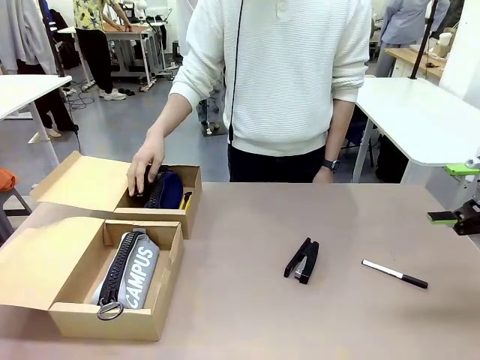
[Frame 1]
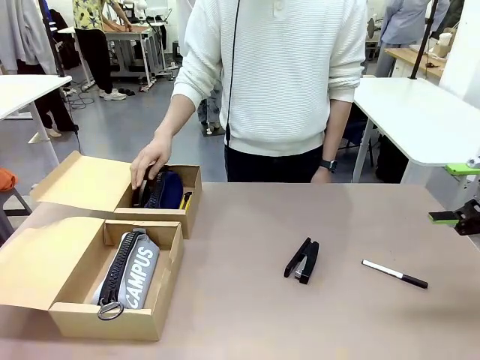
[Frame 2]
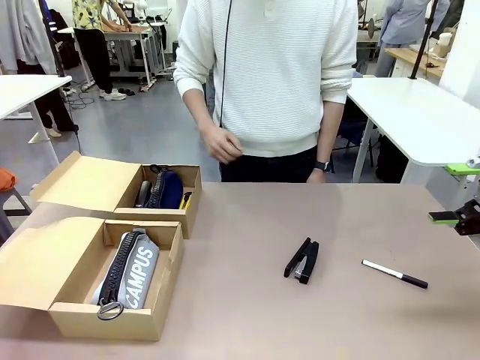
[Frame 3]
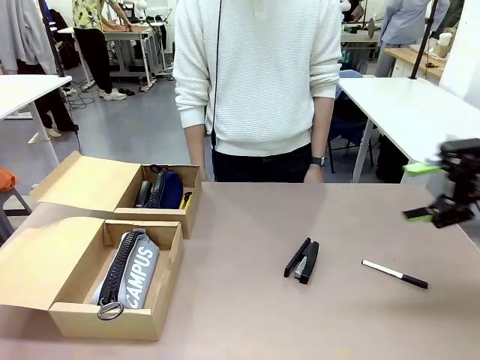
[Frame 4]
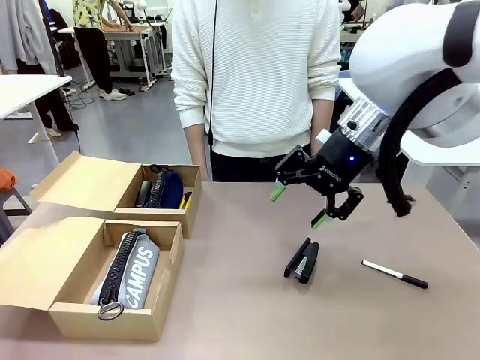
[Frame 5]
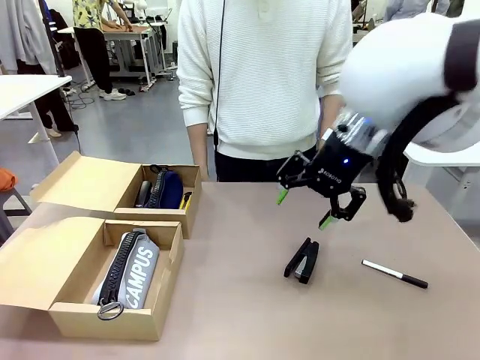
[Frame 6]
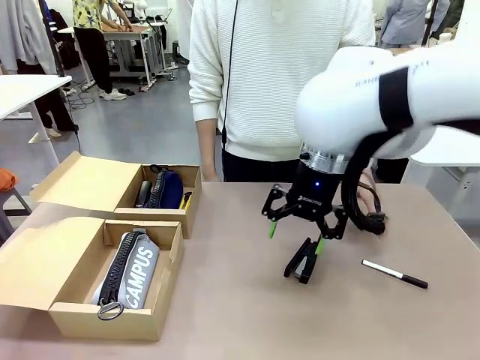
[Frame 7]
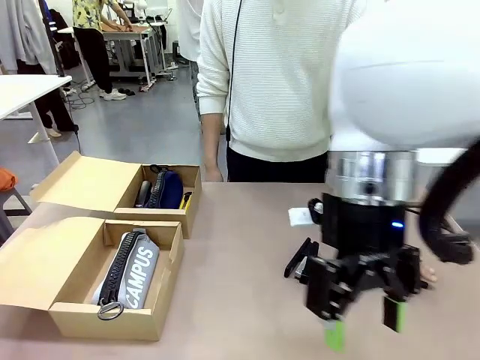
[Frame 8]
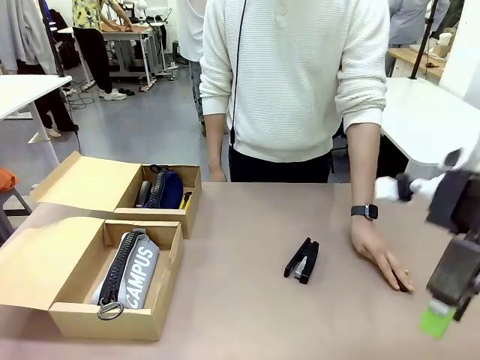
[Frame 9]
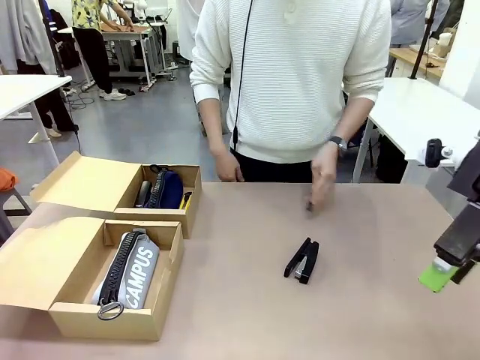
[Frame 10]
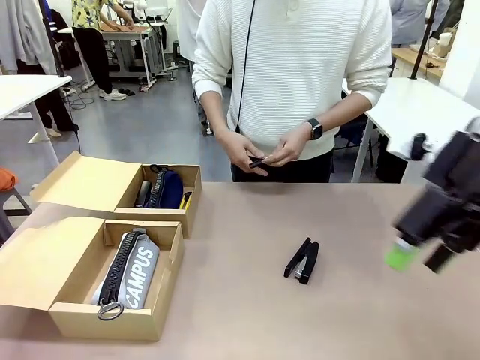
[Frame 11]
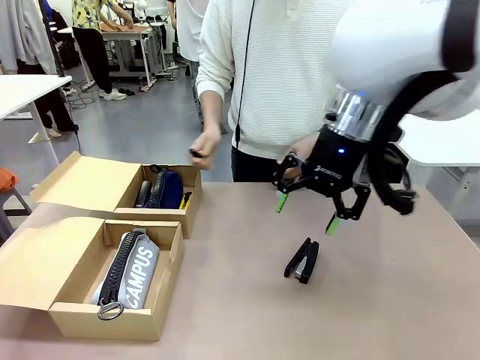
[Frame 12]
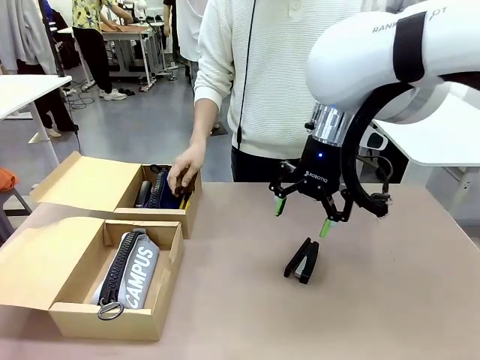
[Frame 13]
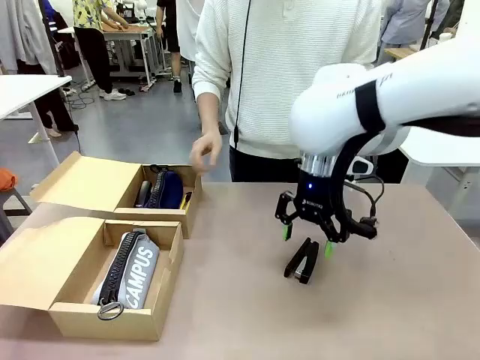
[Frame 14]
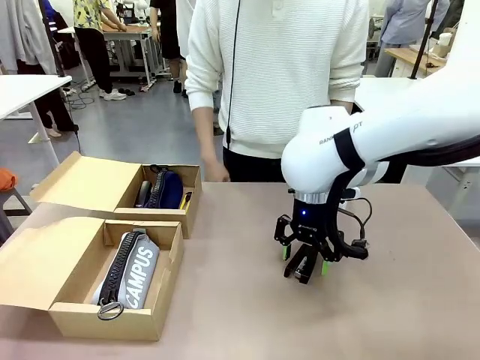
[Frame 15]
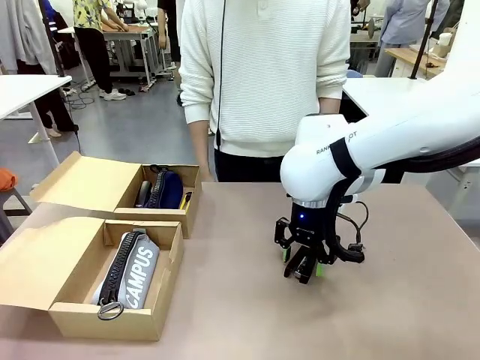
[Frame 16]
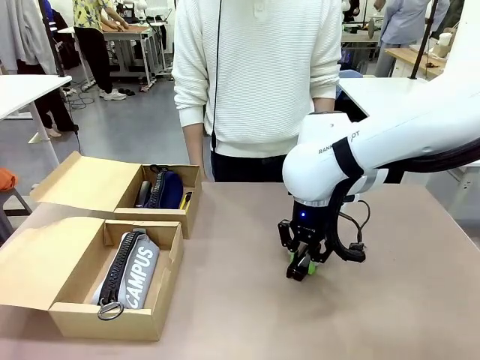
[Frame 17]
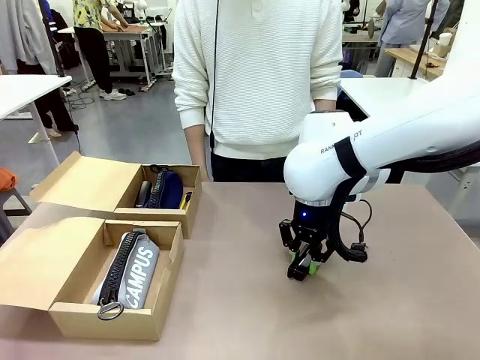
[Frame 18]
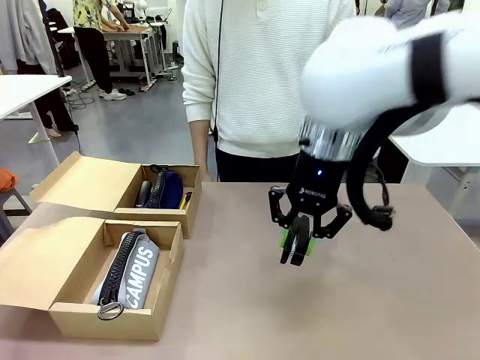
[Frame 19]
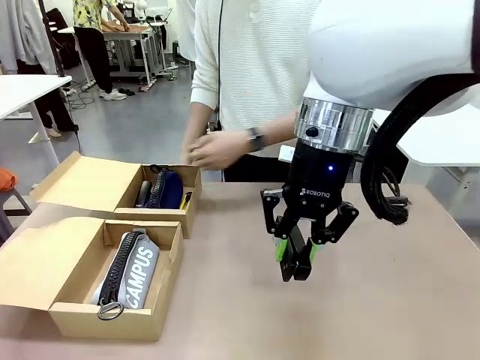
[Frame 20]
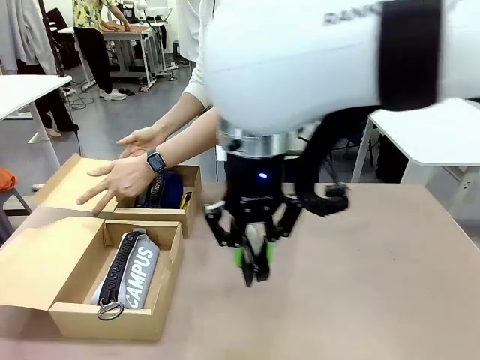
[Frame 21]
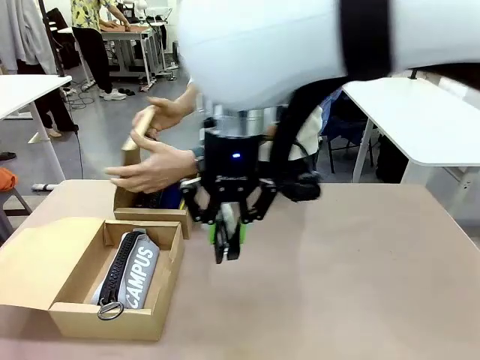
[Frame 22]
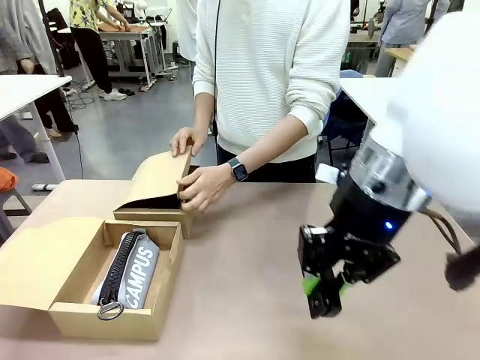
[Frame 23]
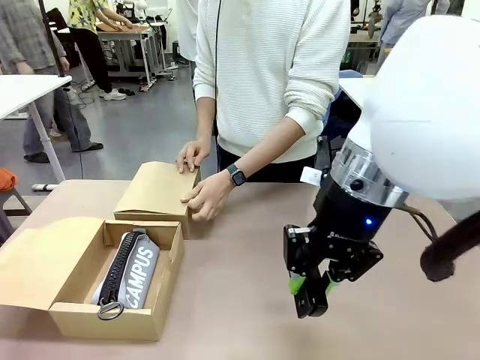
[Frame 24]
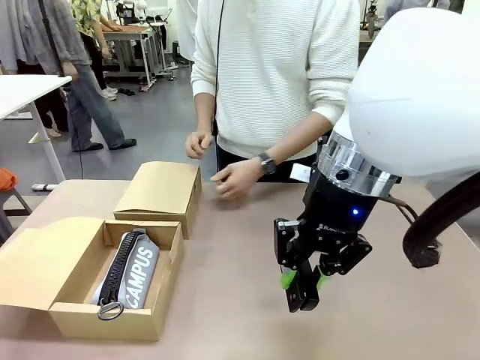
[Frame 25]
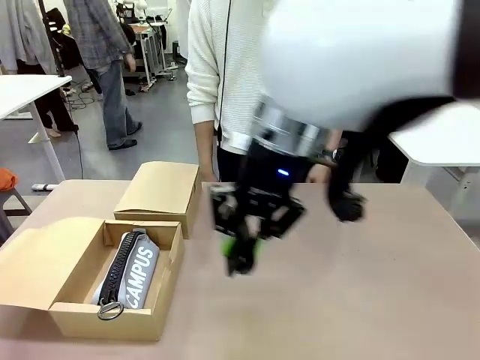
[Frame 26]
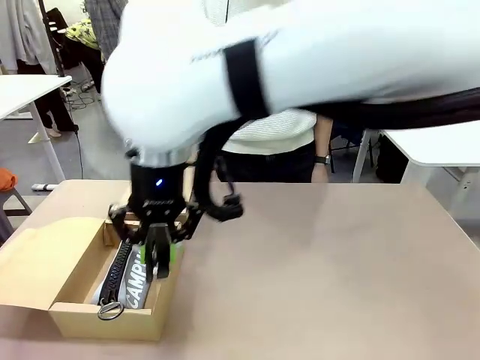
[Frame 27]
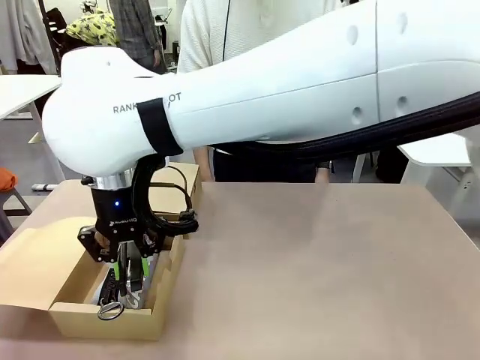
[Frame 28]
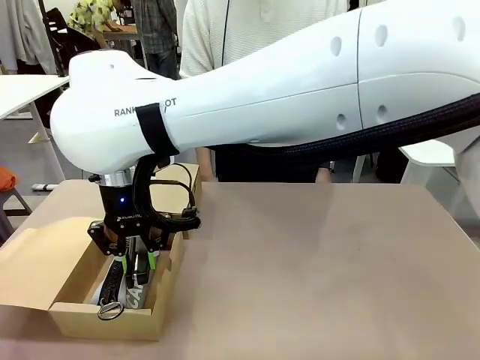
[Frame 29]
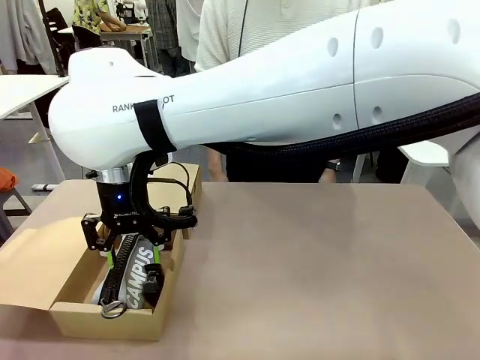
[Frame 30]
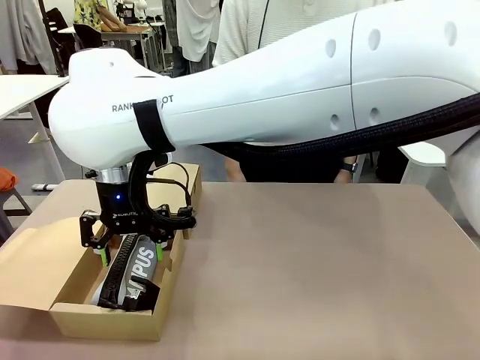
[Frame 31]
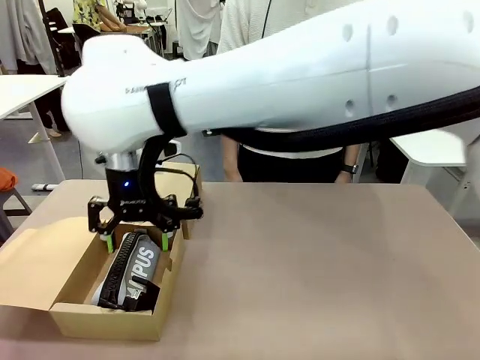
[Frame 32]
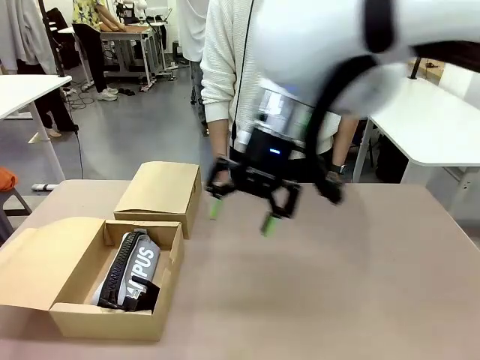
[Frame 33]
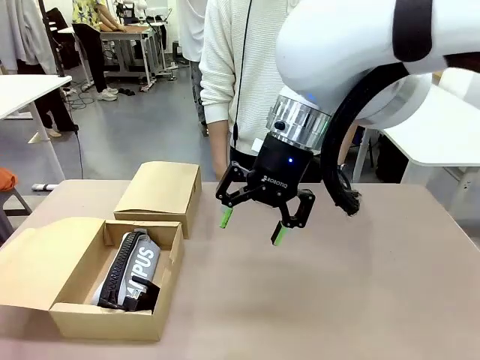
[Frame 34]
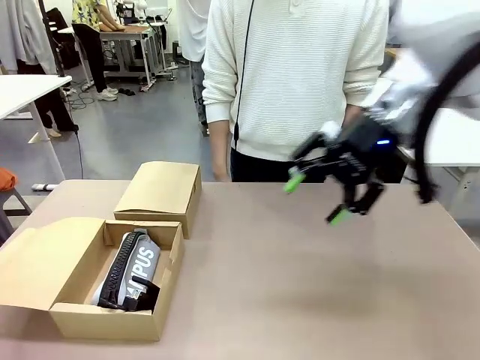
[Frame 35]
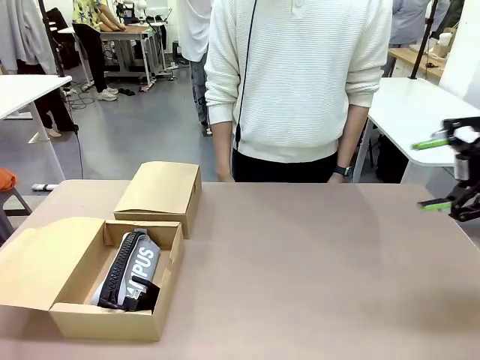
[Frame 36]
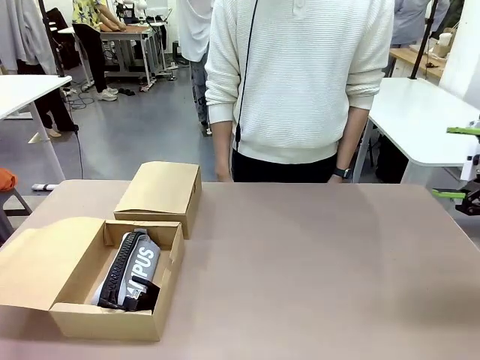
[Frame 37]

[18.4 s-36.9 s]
Task: Place items inside the box.
Robot: Pick up a Pencil pouch or Stapler and place it inside the Mailer Box closest to the robot.

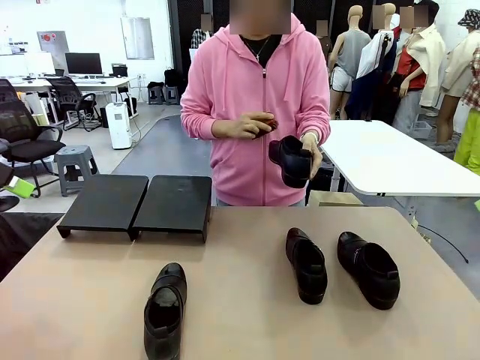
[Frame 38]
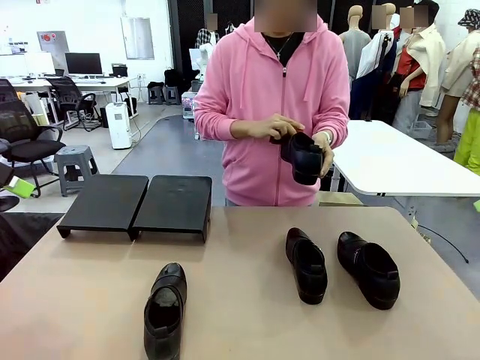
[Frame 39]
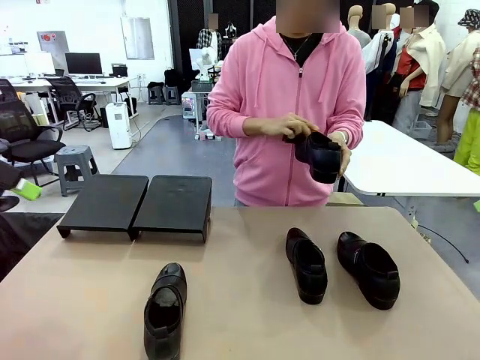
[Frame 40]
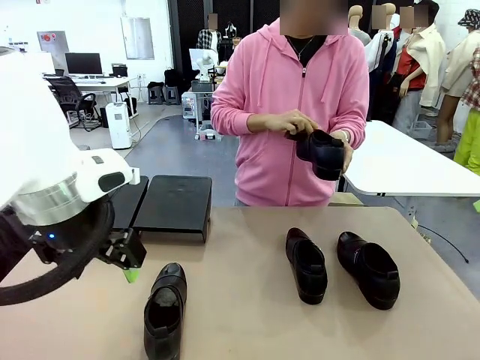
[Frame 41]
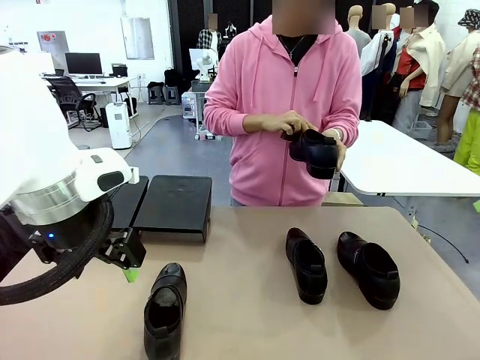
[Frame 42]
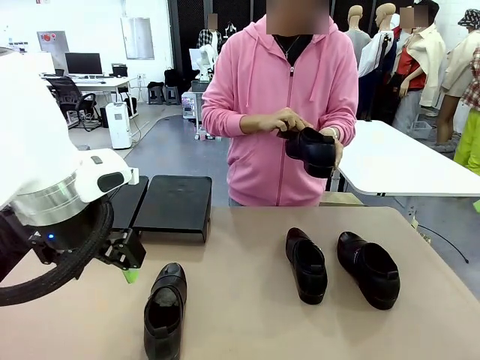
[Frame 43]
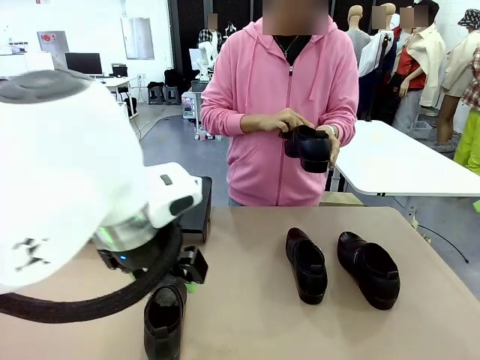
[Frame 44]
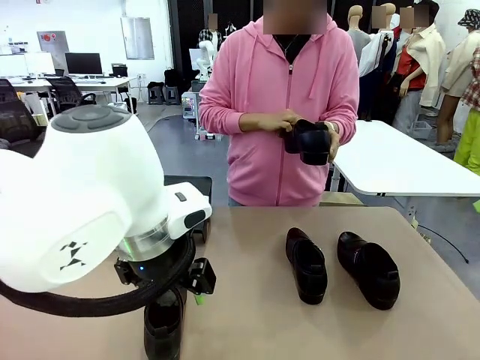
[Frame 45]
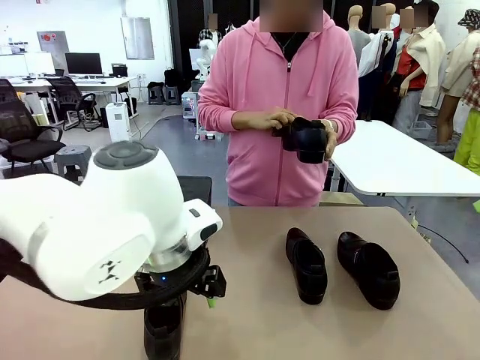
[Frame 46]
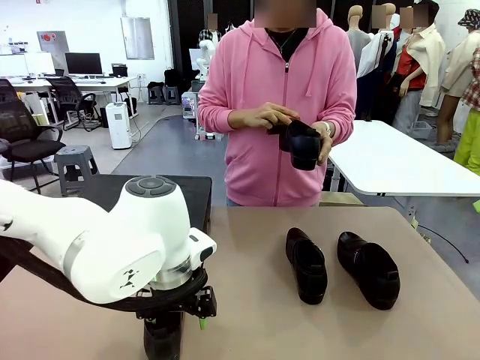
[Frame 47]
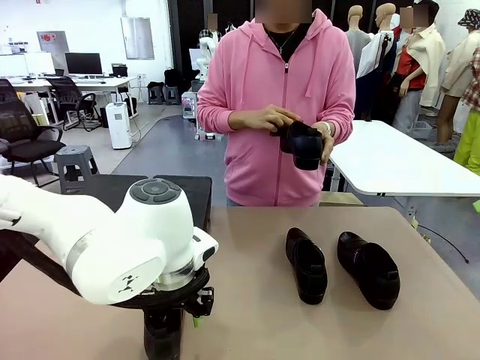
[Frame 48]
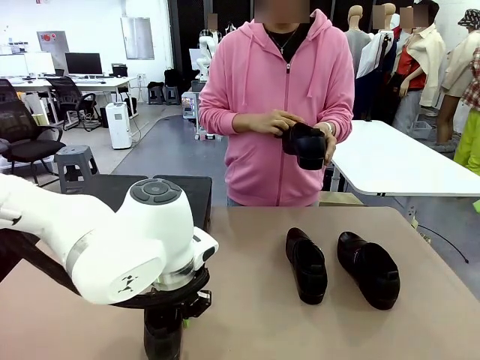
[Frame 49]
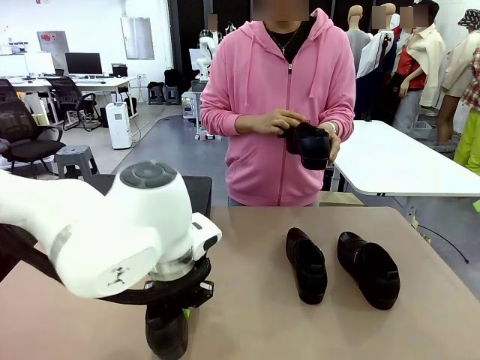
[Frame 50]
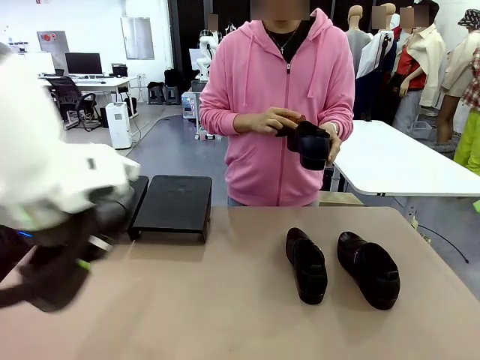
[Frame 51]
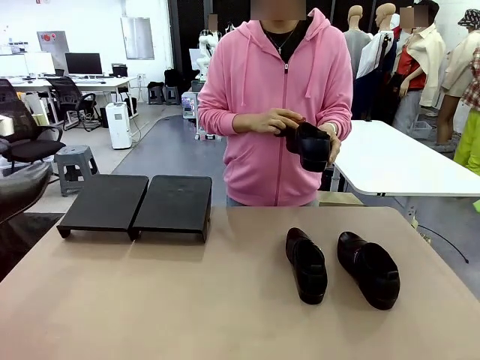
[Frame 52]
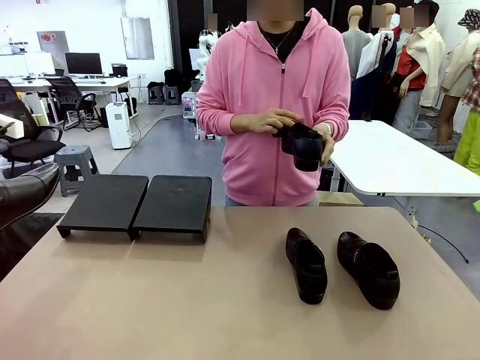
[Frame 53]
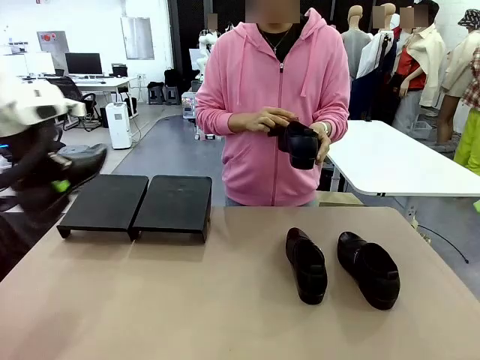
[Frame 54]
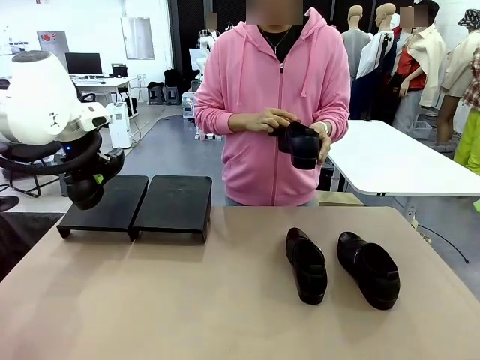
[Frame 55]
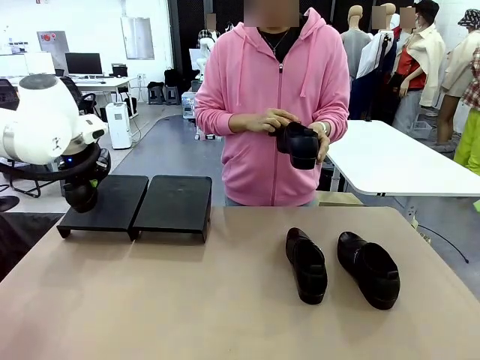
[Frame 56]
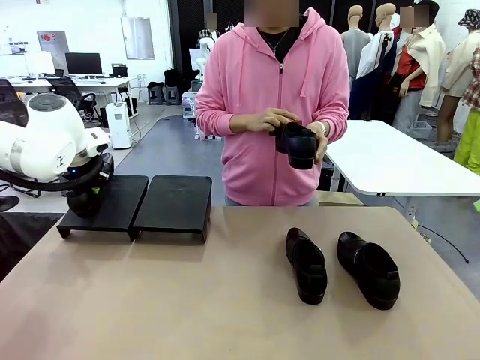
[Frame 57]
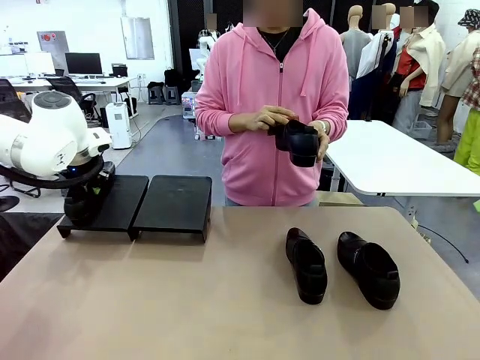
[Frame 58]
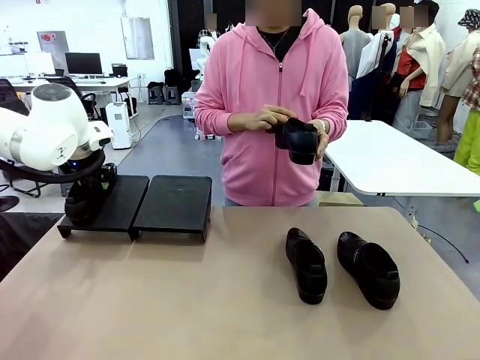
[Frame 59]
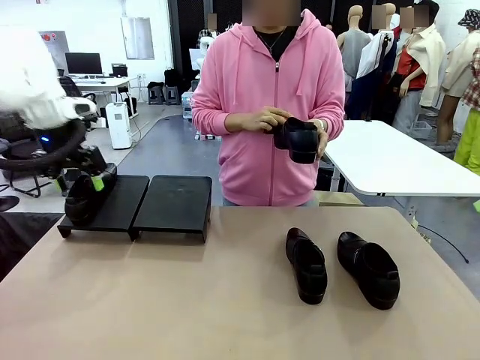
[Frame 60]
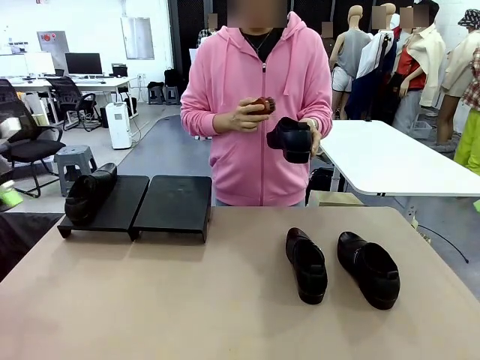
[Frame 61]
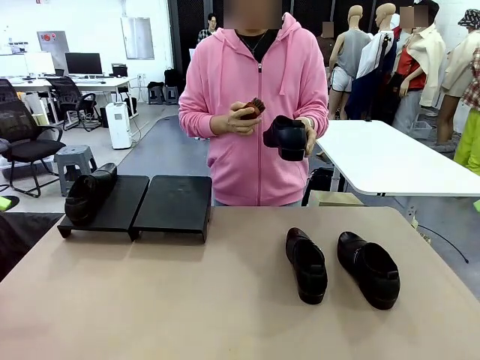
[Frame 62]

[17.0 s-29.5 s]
Task: Organize the shoes by placing them on the stand.
Robot: Place the Shoe from the middle of the table onto the Shoes Stand.
Person: Clean the Shoe with the Shoe Brush.
